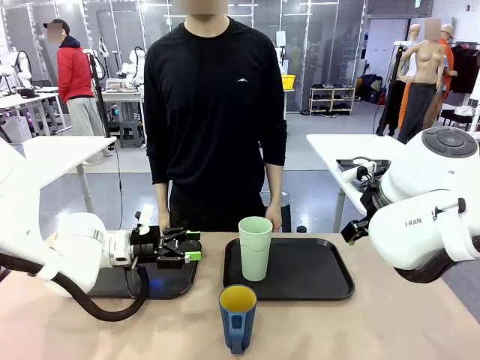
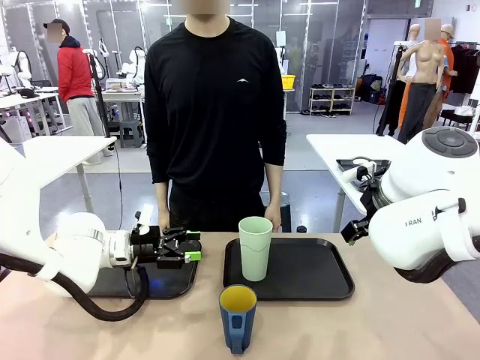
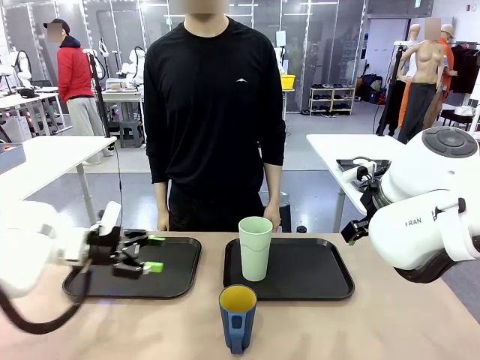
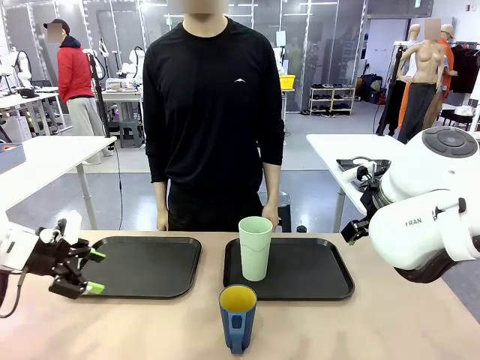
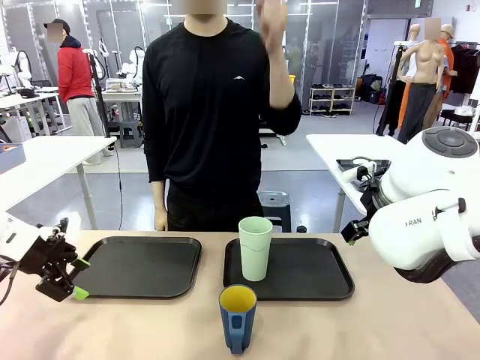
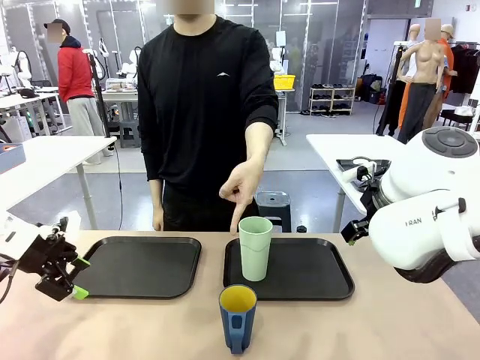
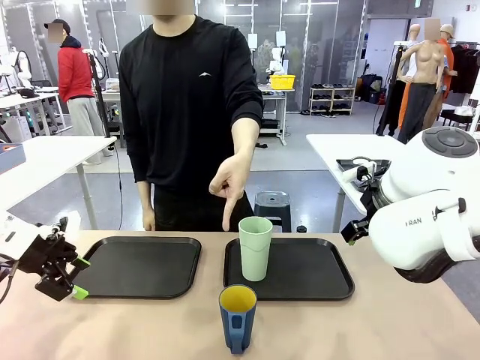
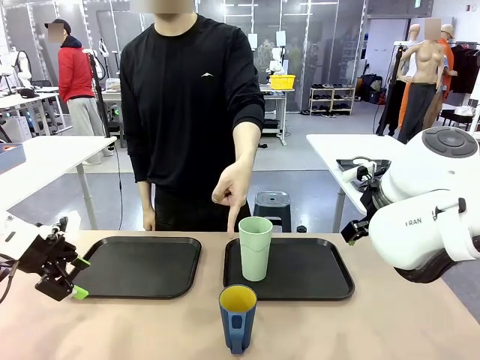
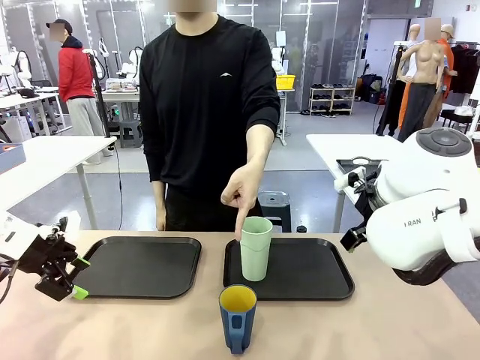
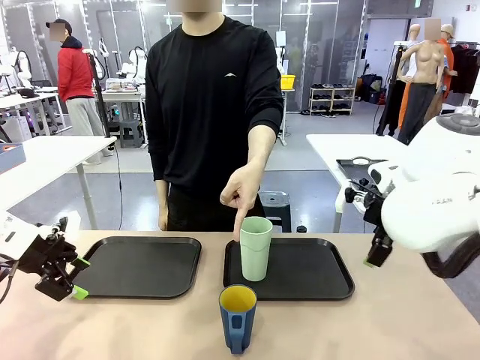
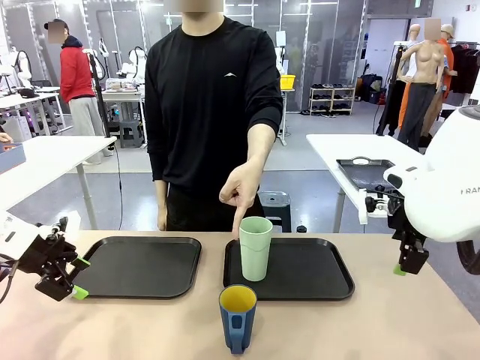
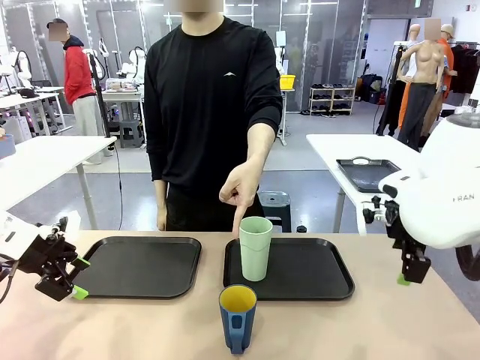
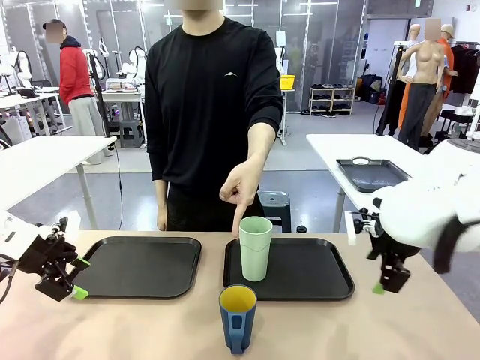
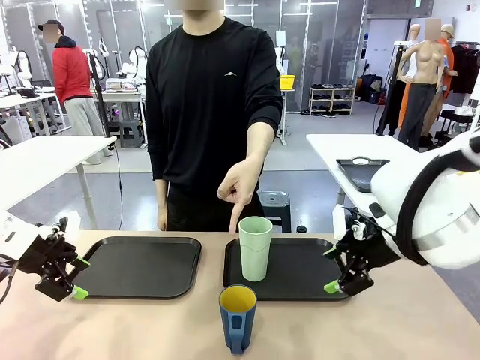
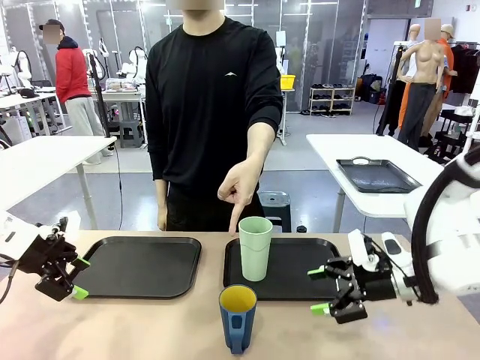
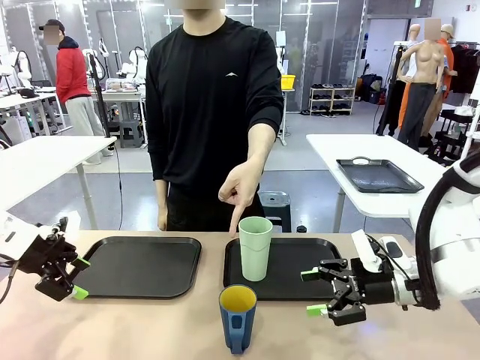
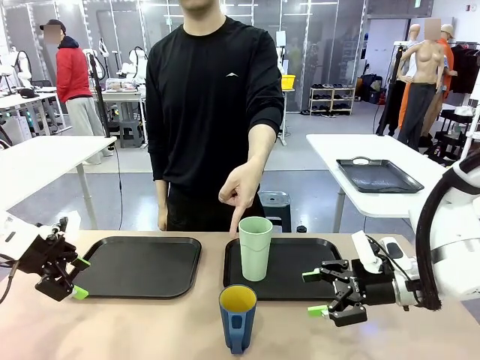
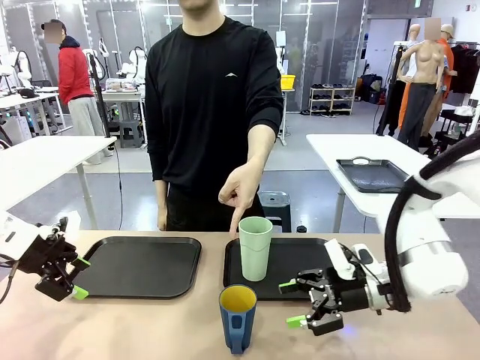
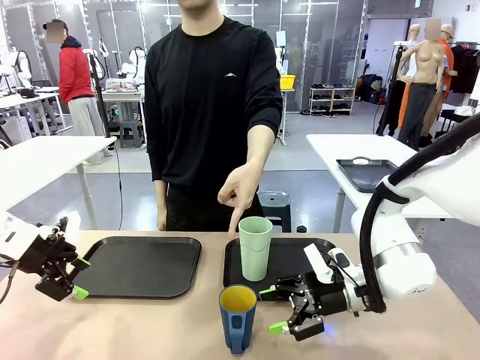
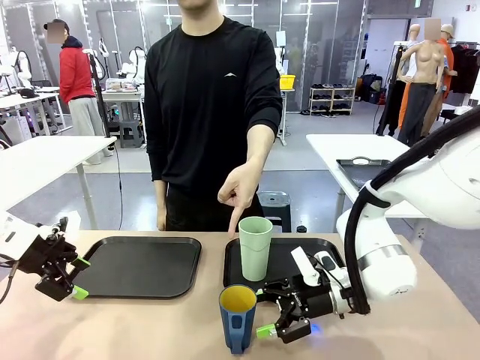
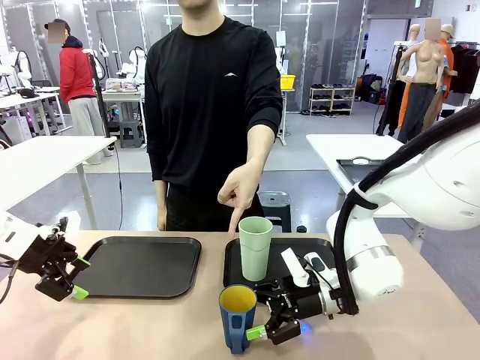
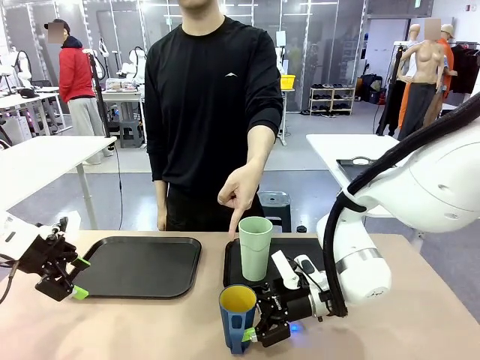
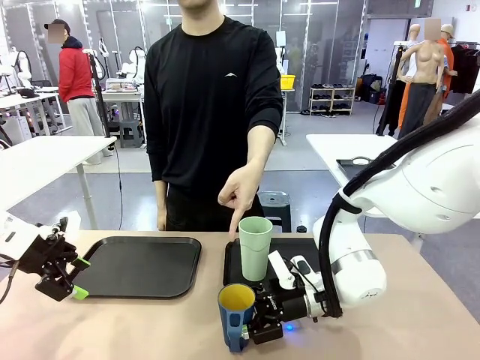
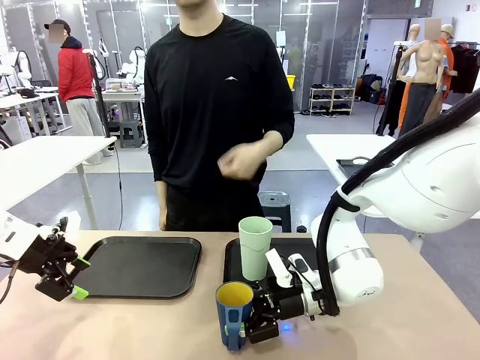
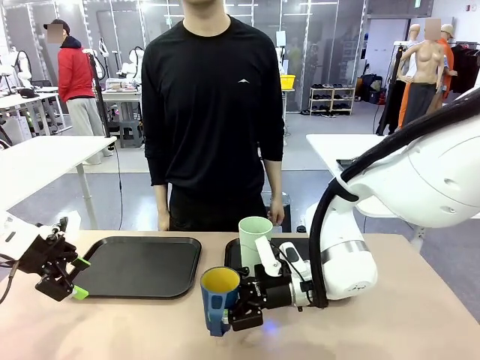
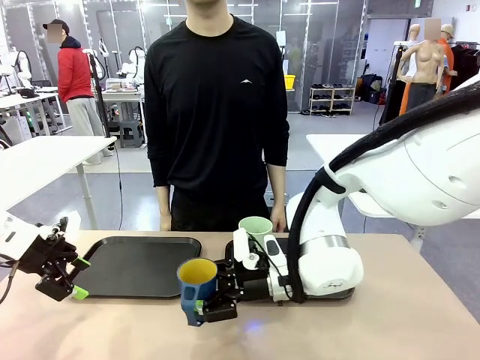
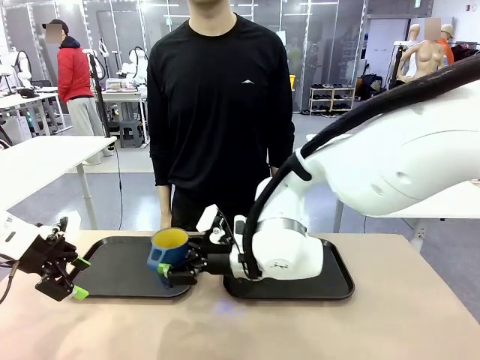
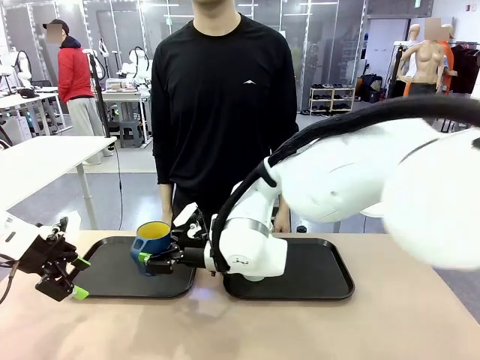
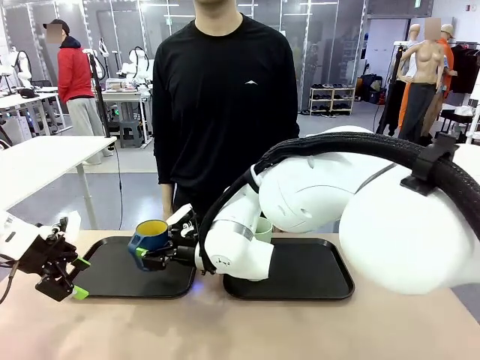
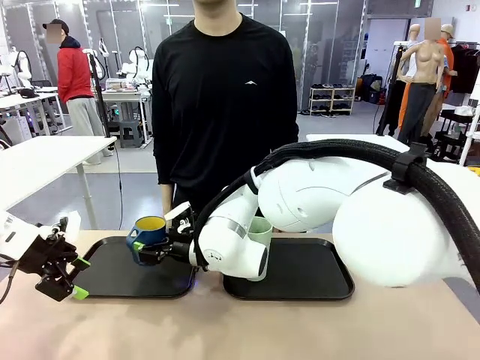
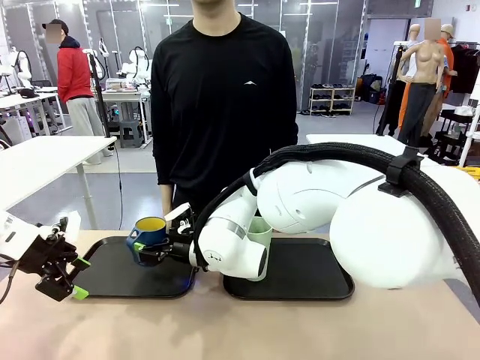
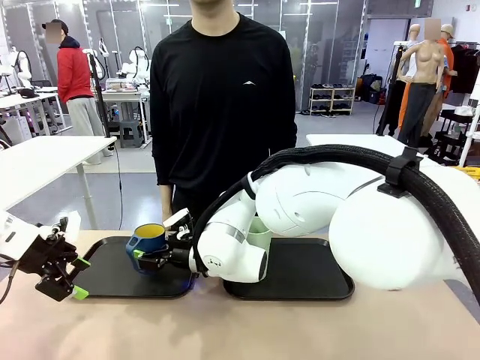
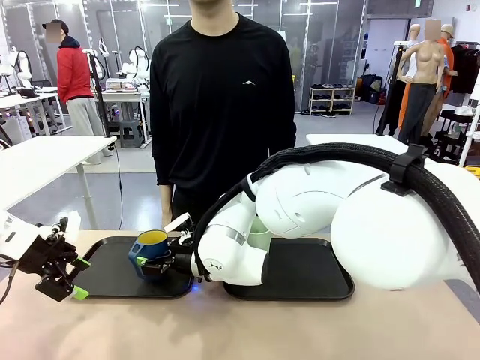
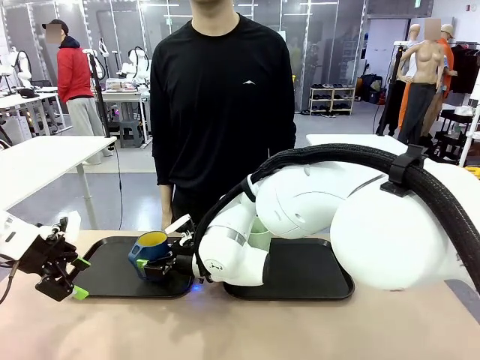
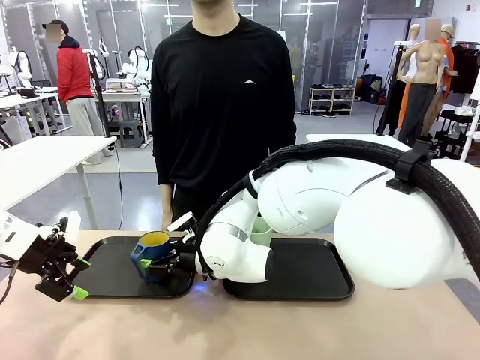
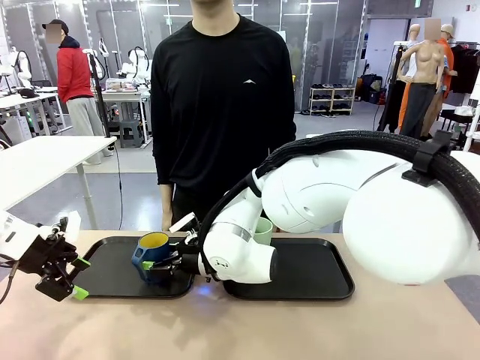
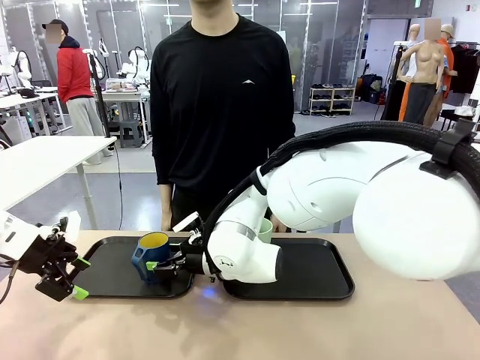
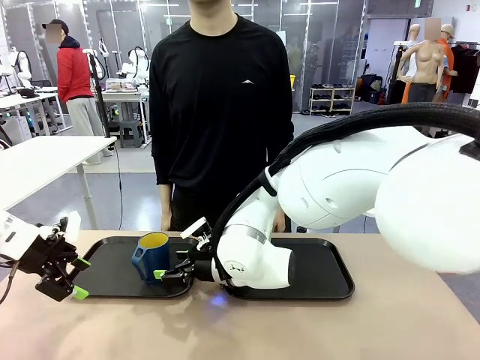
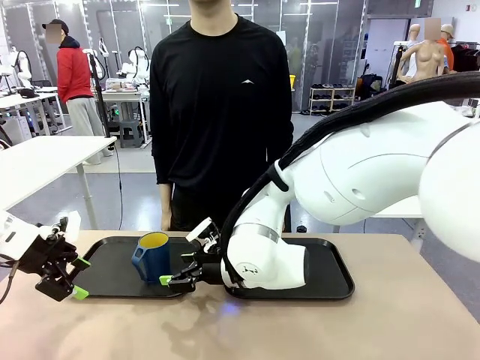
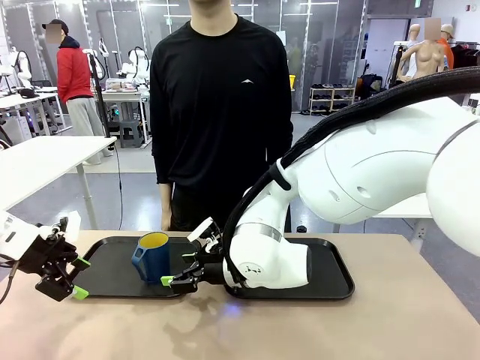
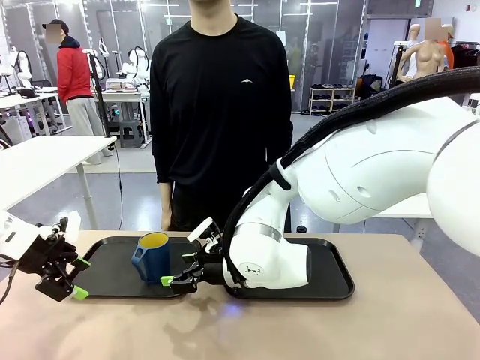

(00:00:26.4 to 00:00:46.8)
Task: Sort and store the cups by type.
Robot: Pick up the Handle plastic cup and place it into the empty Flat Tray.
Person: Points to the cup with a handle.

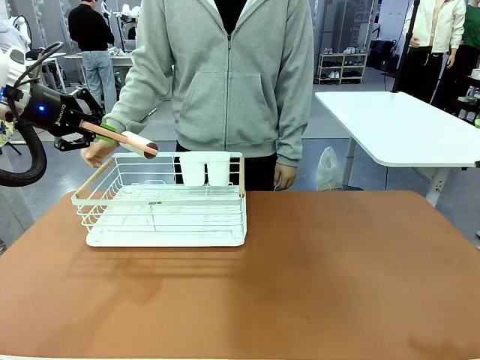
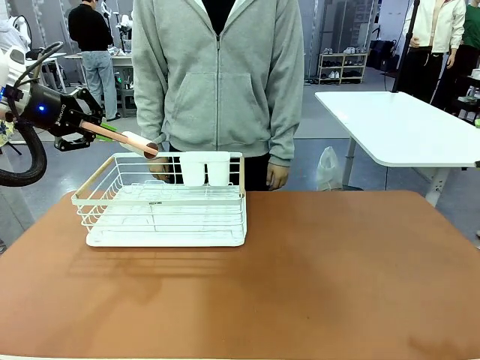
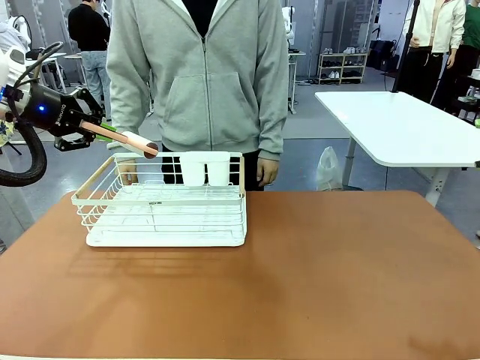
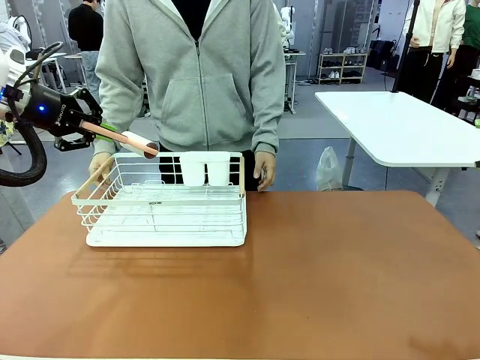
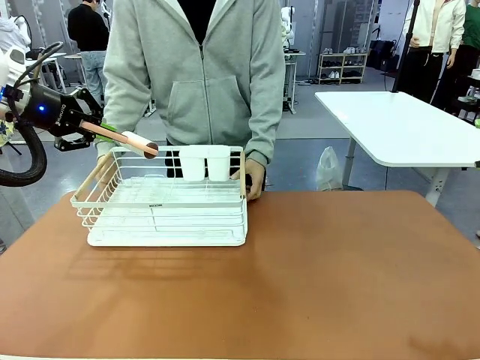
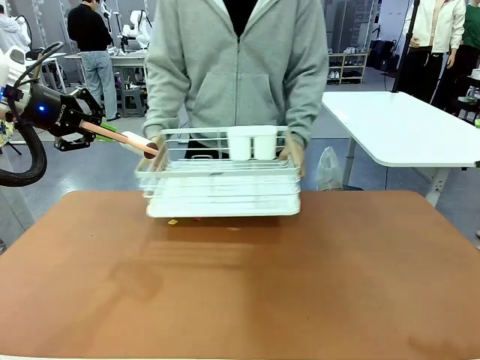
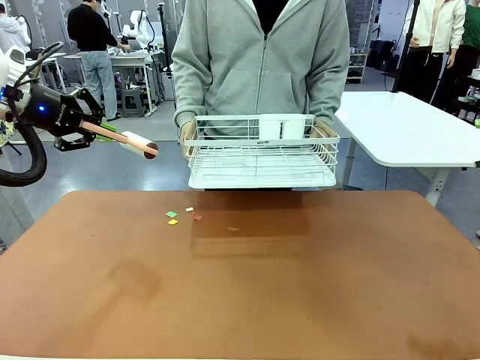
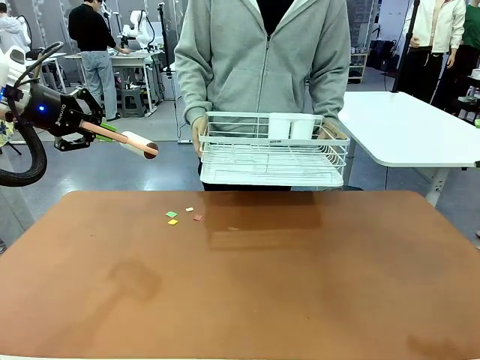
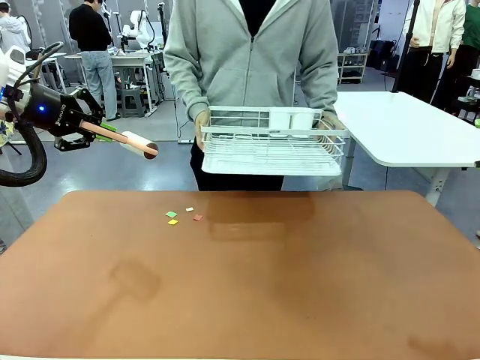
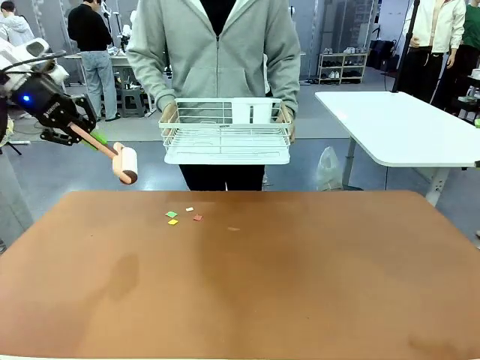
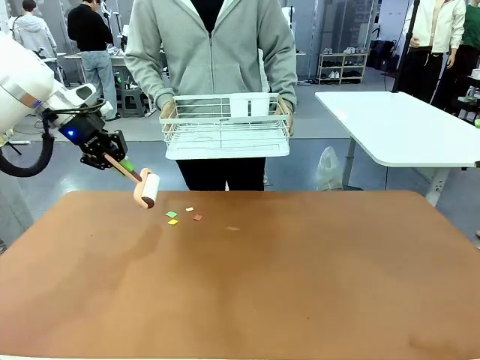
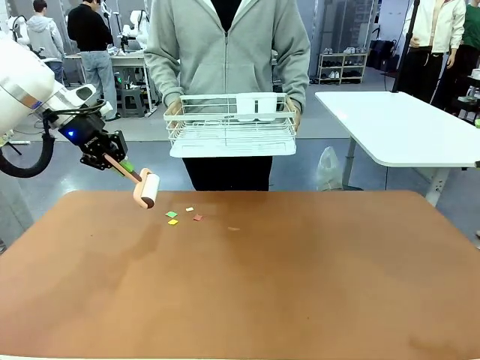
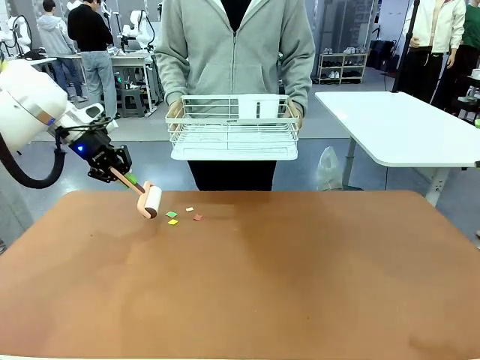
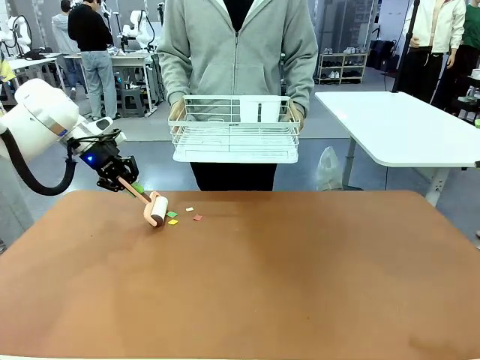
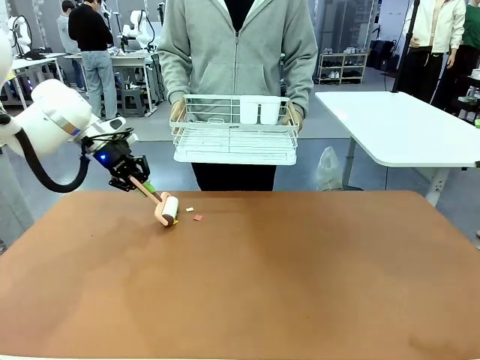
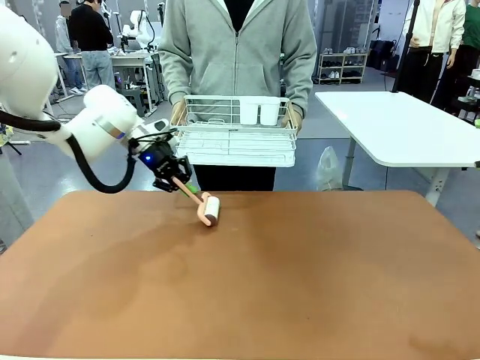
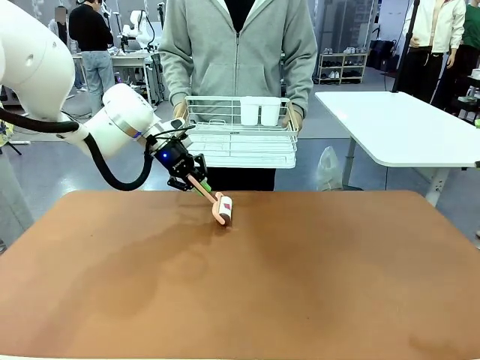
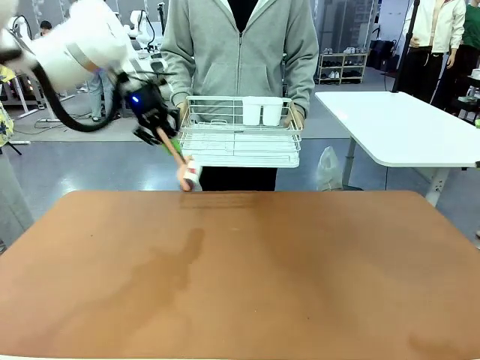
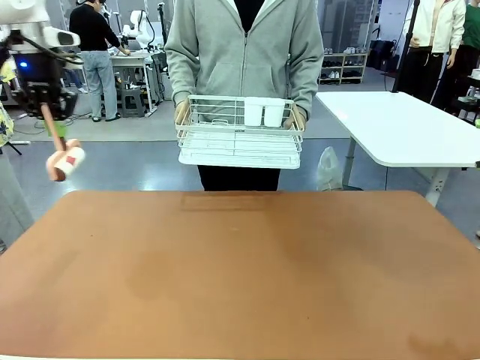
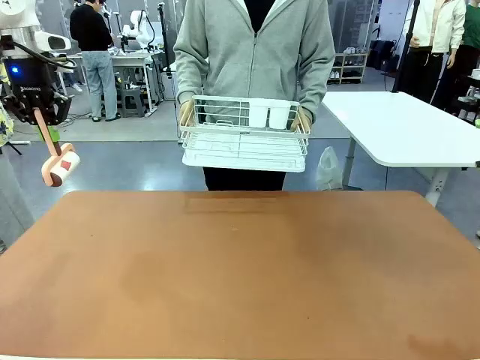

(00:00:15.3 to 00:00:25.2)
Task: Clean the table.
Robot: Clean the table with the Lint Roller when the human lifts the Dish drying rack.
